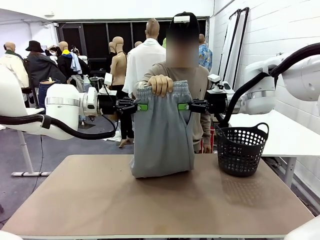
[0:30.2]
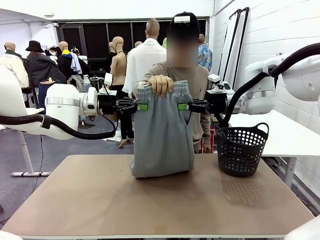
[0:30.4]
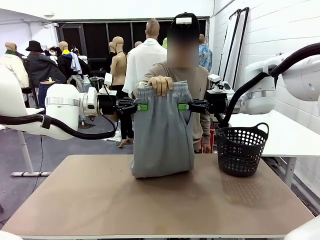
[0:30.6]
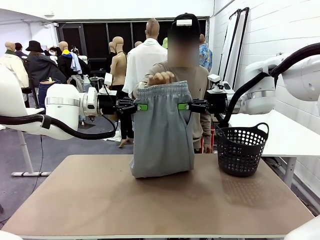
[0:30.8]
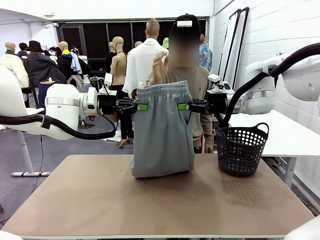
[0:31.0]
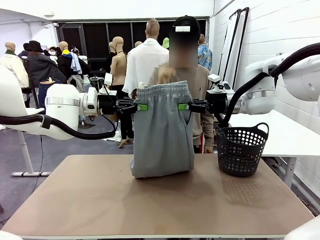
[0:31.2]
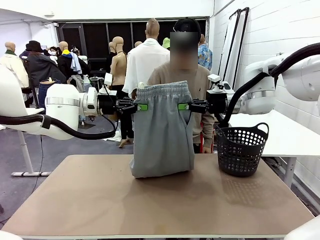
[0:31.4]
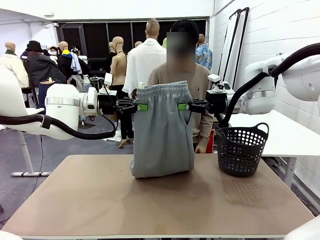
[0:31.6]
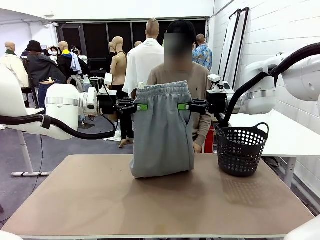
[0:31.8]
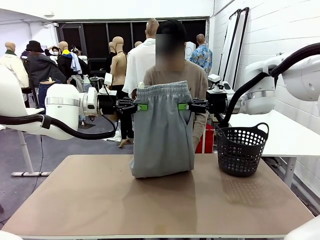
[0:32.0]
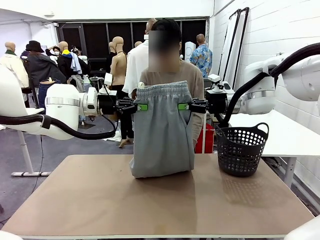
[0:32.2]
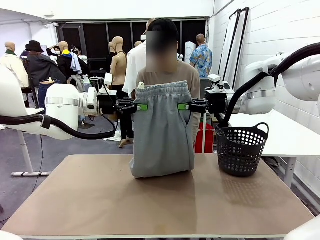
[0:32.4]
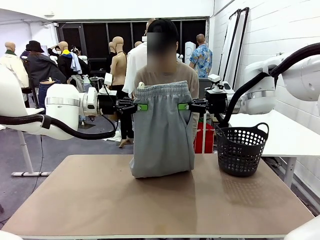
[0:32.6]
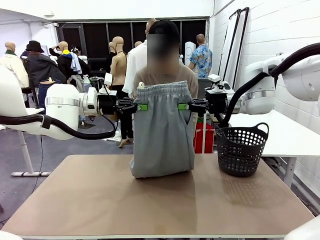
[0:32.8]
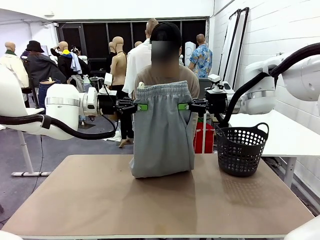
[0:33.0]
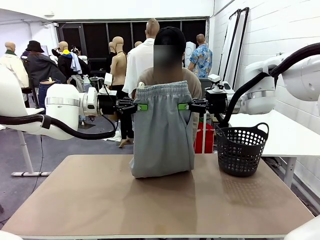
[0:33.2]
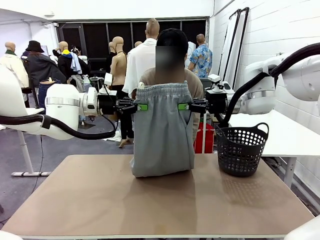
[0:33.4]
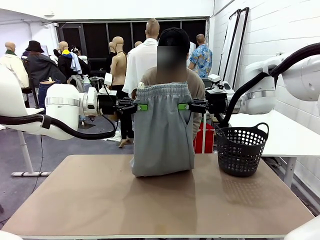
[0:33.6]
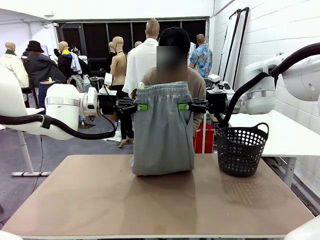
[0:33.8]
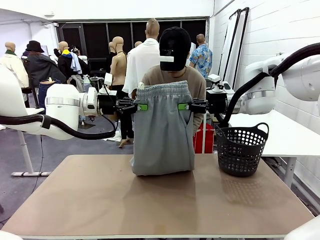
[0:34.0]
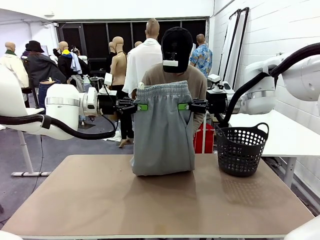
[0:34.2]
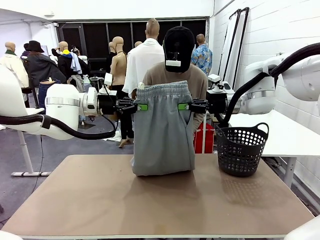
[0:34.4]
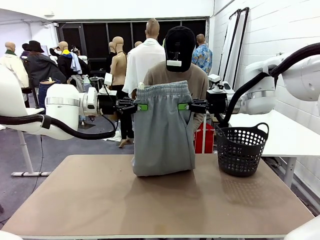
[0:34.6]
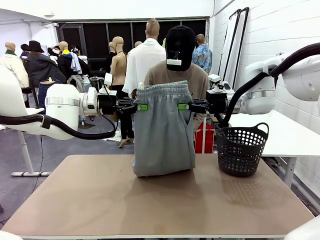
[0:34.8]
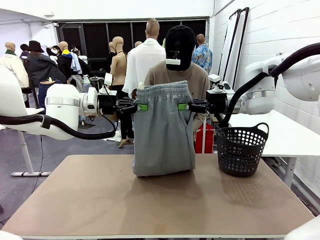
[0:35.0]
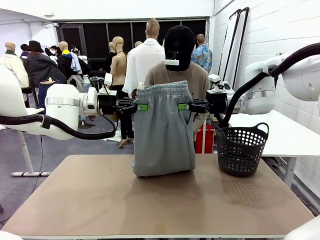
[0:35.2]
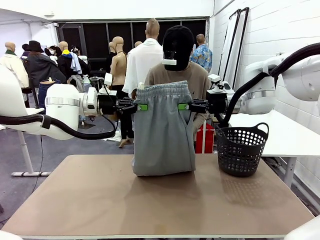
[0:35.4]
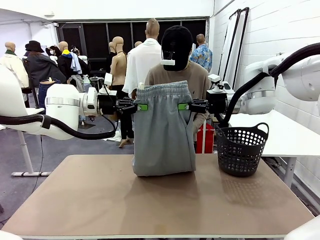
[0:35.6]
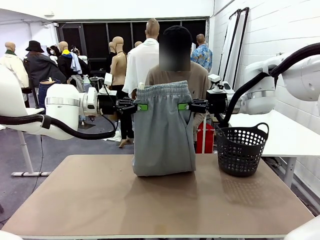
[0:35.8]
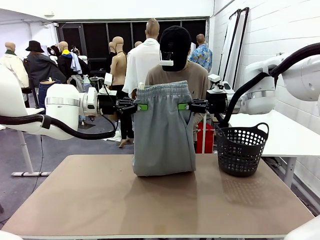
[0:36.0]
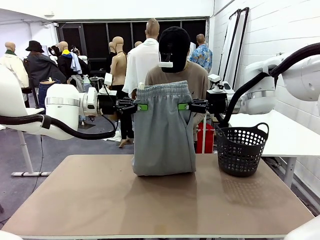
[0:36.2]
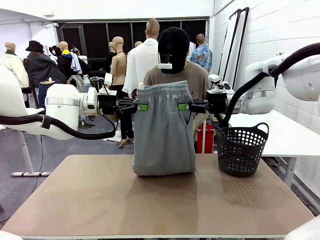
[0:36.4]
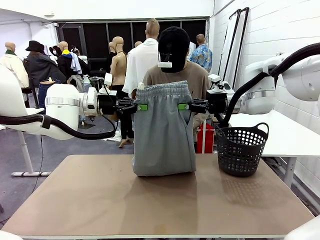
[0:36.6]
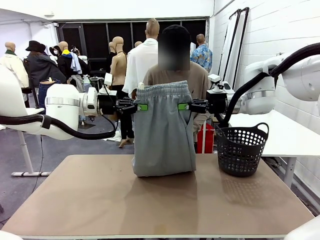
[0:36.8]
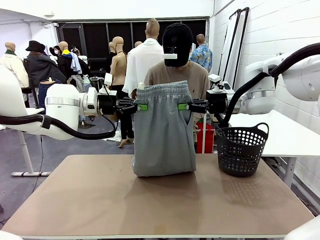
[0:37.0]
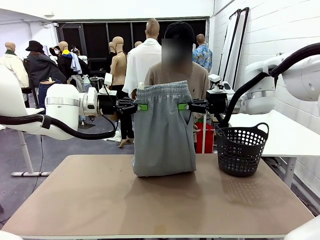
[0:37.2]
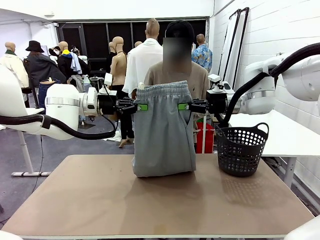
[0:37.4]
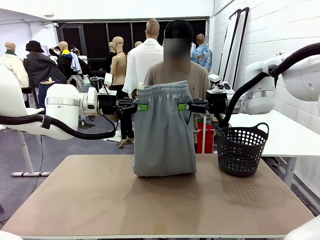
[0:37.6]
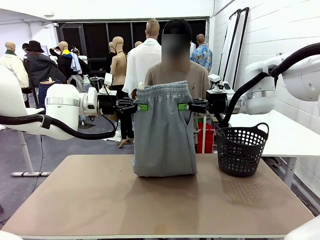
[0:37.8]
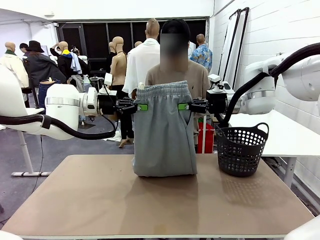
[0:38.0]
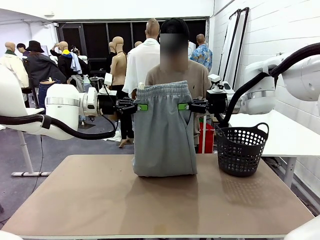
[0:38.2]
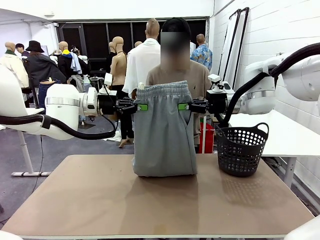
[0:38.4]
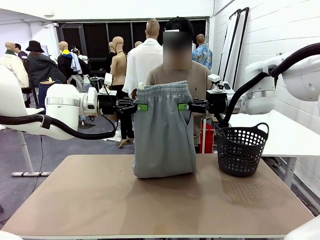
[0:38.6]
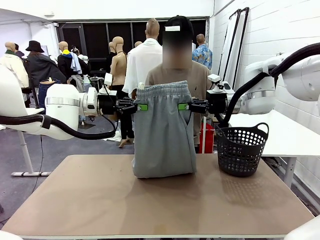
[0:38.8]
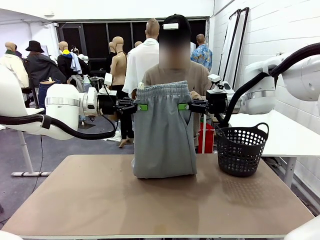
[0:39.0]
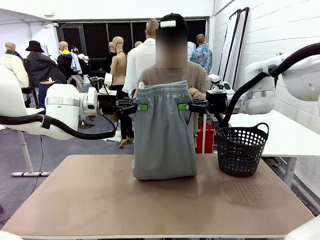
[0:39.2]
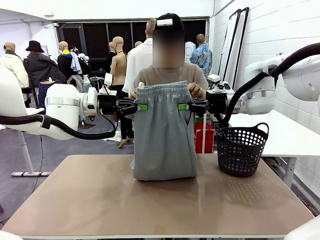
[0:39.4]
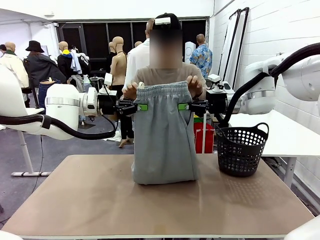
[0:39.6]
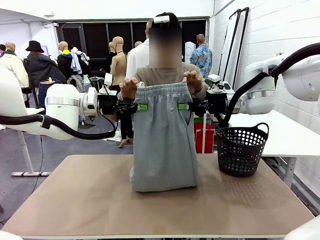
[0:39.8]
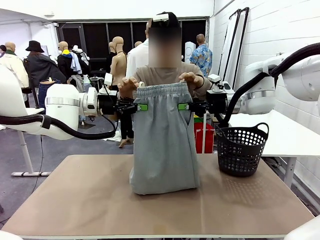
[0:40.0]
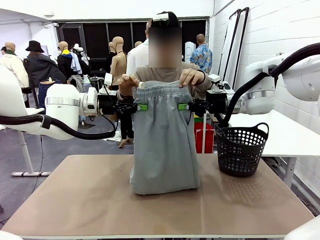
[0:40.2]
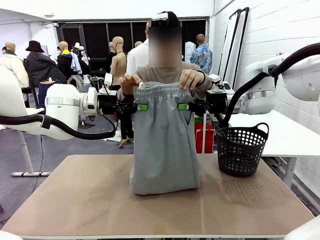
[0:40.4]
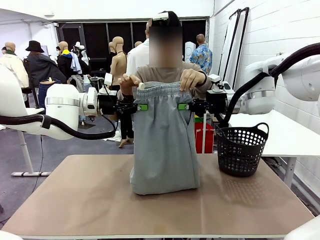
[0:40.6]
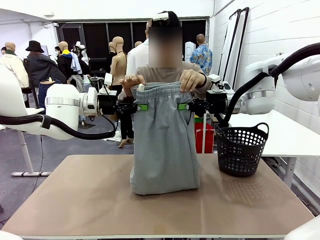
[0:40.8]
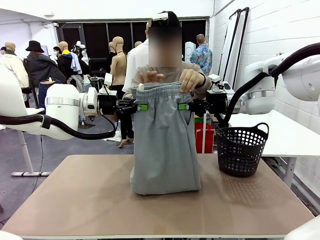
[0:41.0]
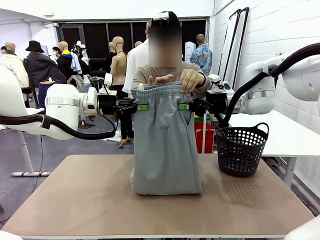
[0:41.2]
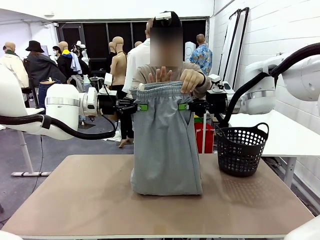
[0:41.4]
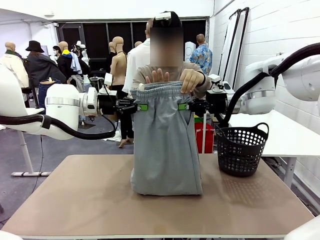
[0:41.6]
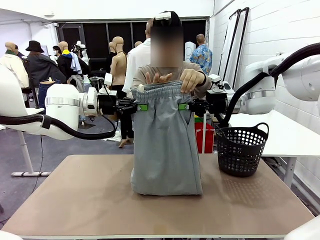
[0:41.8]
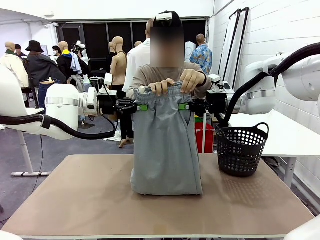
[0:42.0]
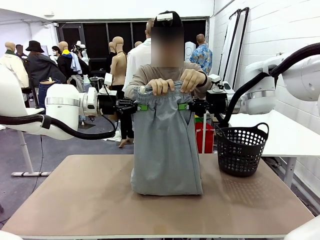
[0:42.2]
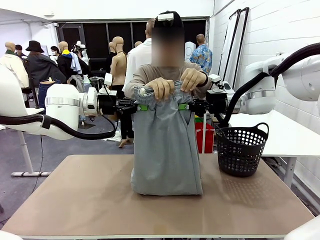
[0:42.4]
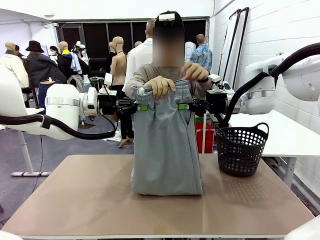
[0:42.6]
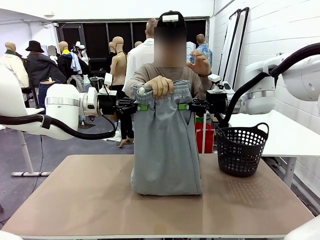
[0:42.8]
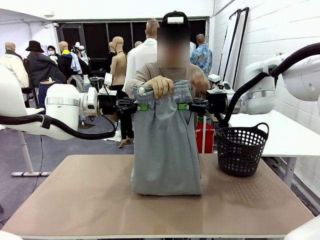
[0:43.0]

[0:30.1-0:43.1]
Task: Fold the training pants.
Robot: Release the ends of the Training pants and then grab the overlapped ends.
Person: Grasp the end opposite the point the robot is holding, fold the pants in half, and then grasp the overlapping top end of the folded pants.
